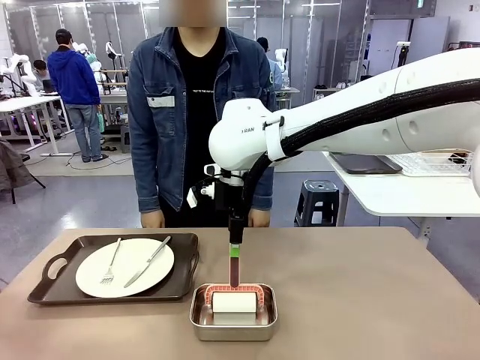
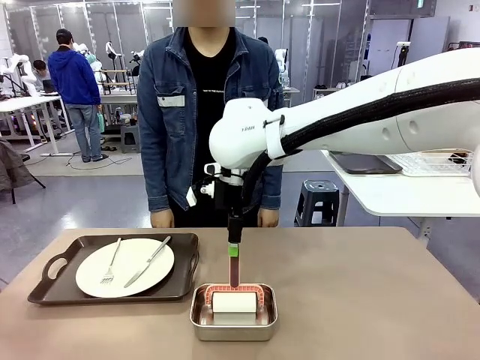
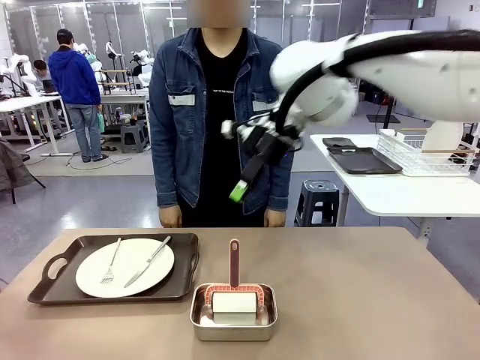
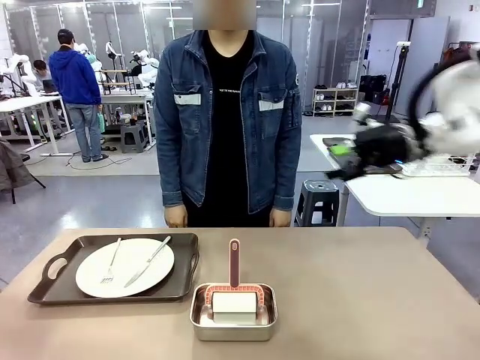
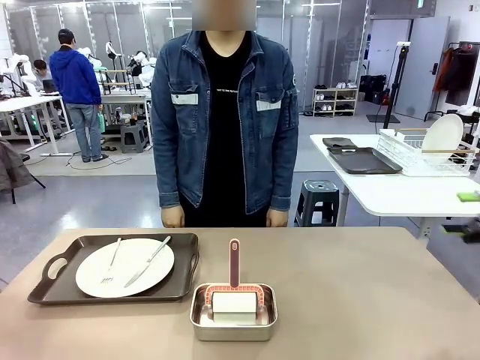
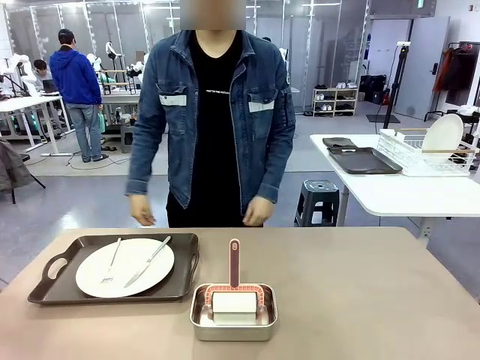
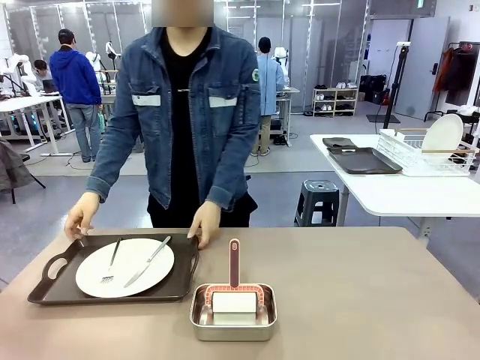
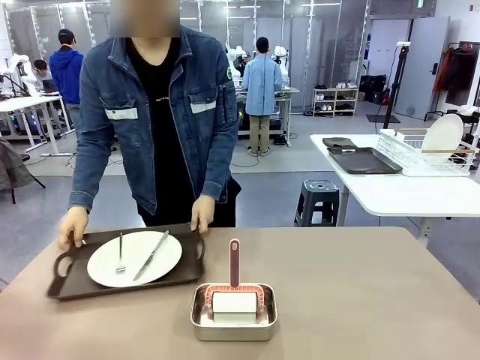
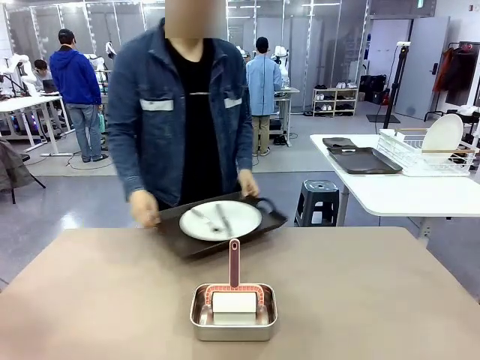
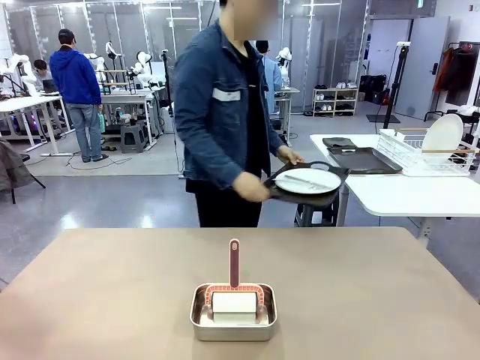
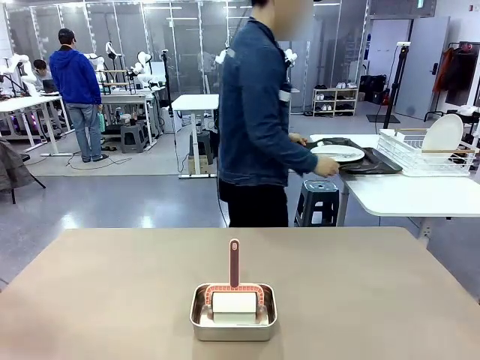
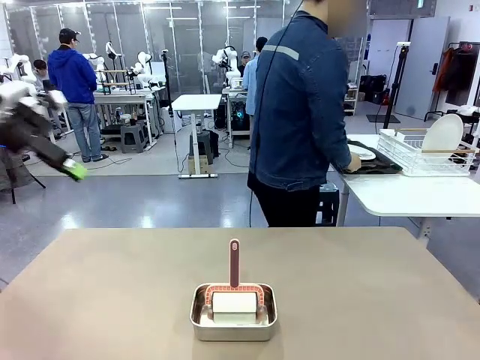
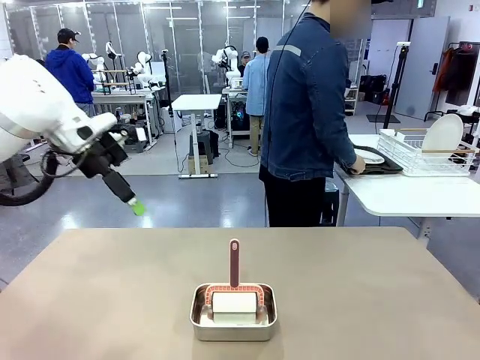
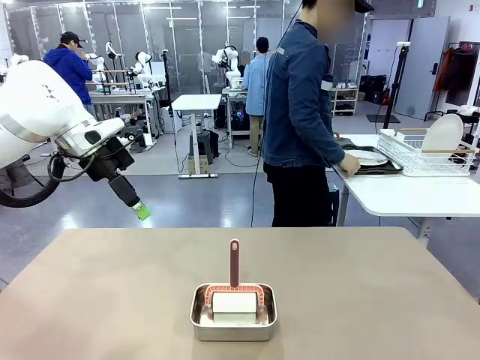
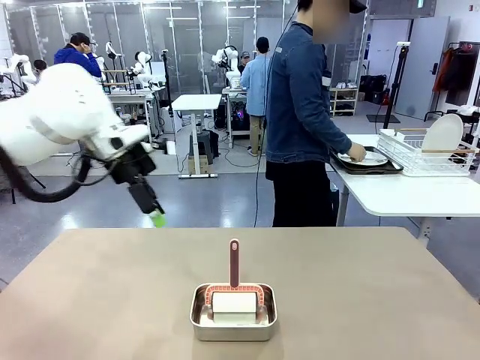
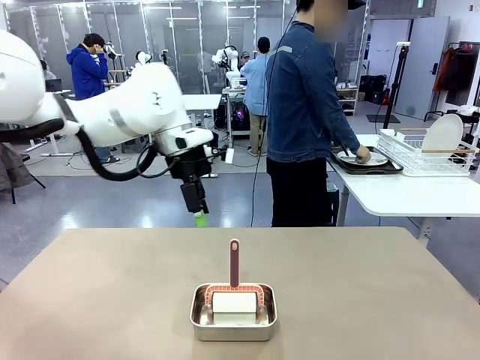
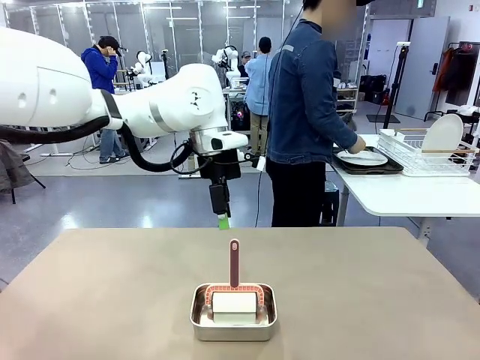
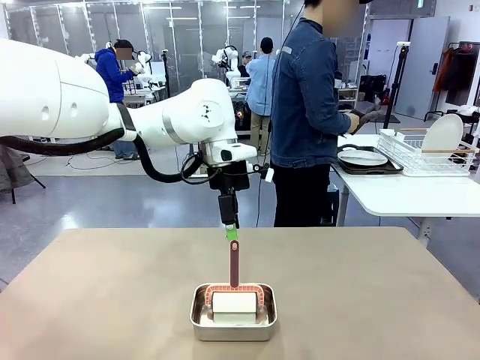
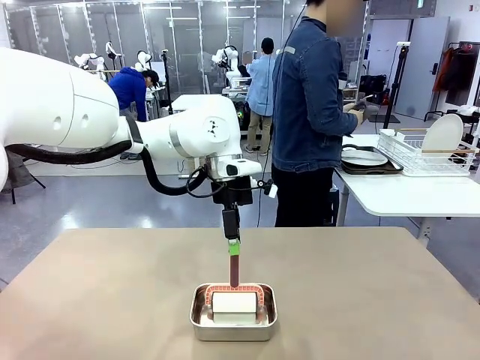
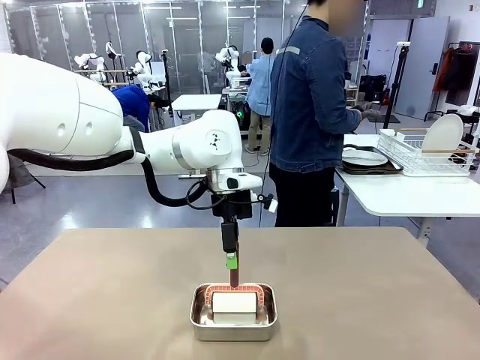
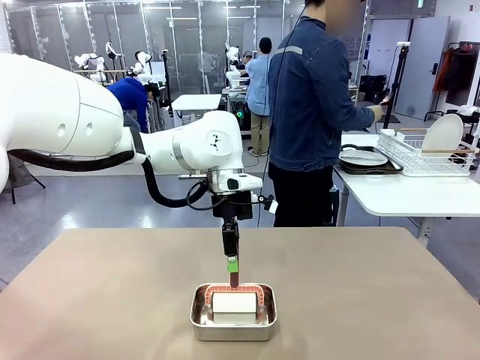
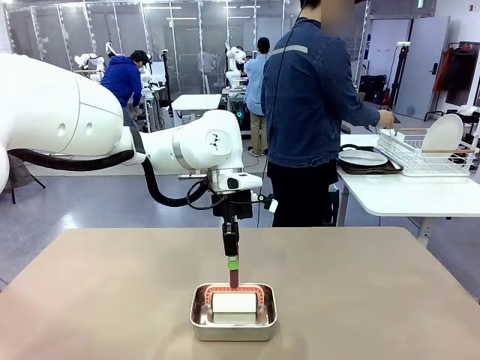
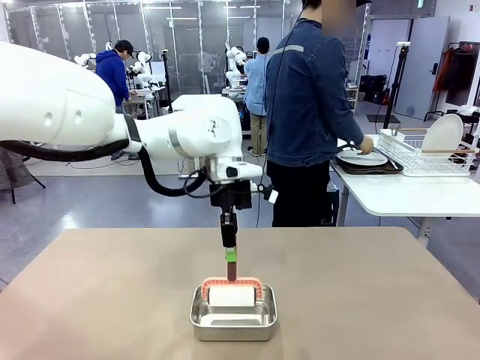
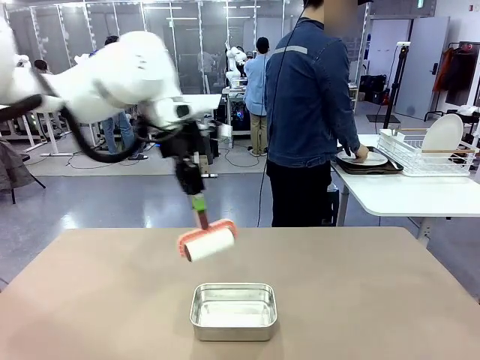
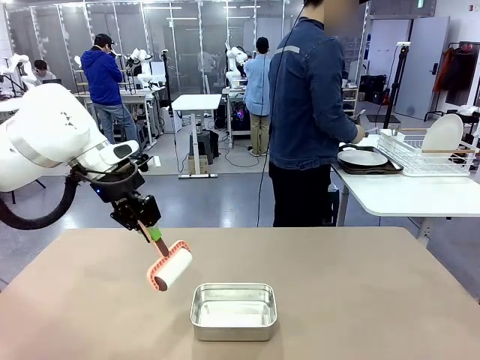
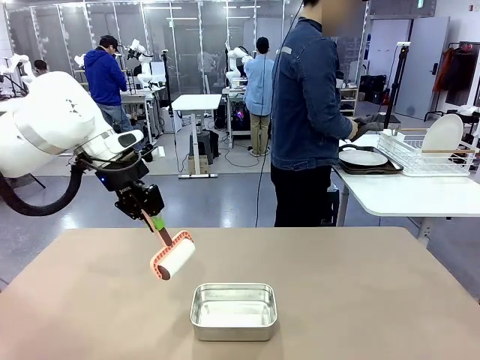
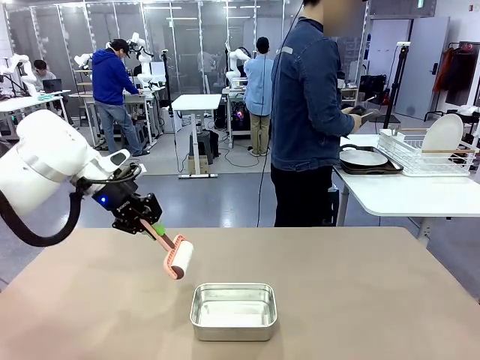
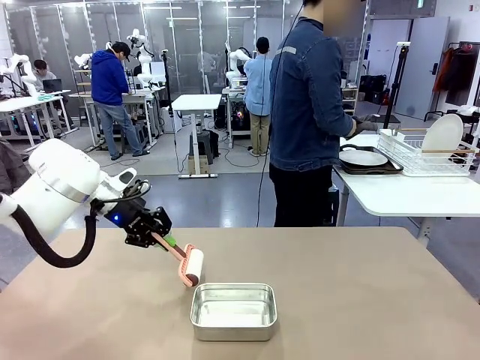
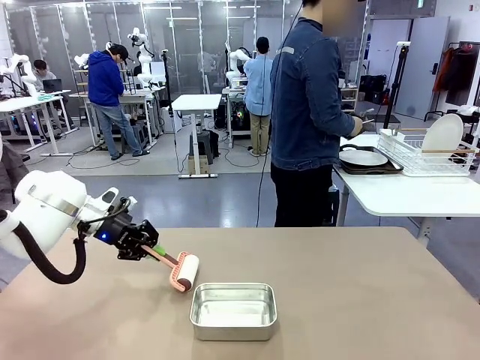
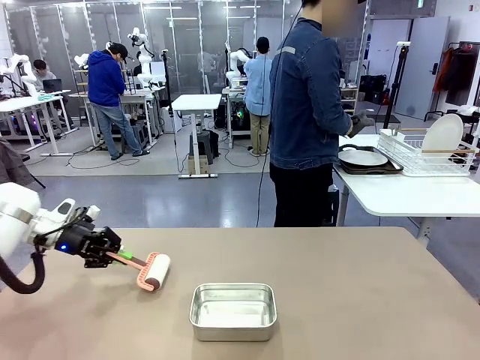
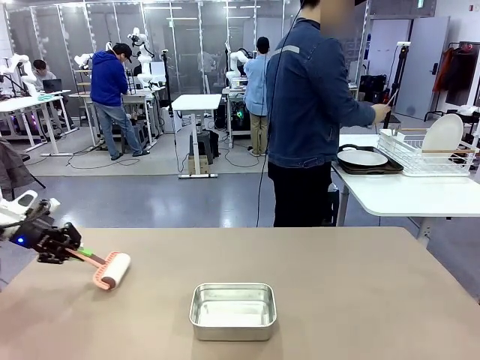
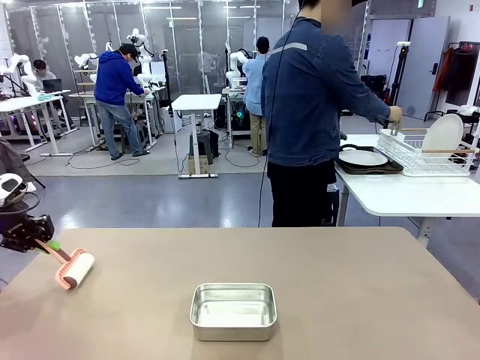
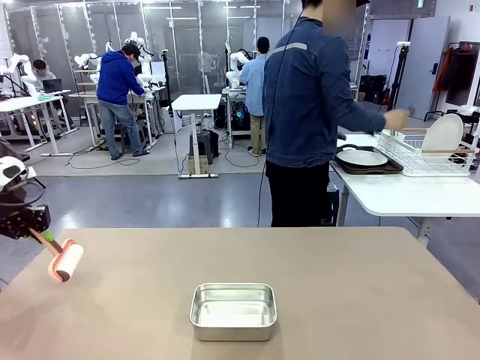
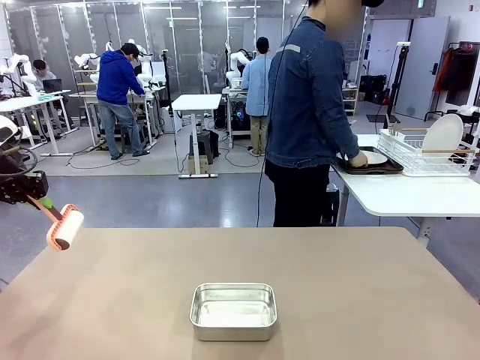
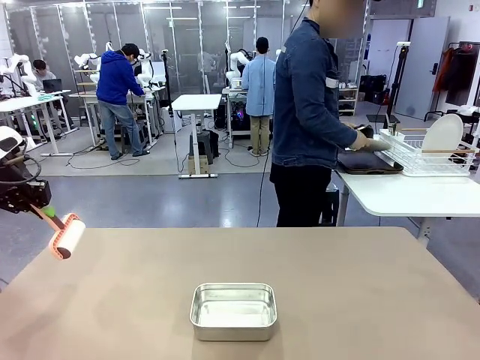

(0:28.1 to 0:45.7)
Robot: When the right (or left) Handle tray is removed, use the right hand (or left hand) to clean the right (or left) side of the table with the Lint Roller.
Person: Pick up the left (or right) Handle tray and place it on the Handle tray.

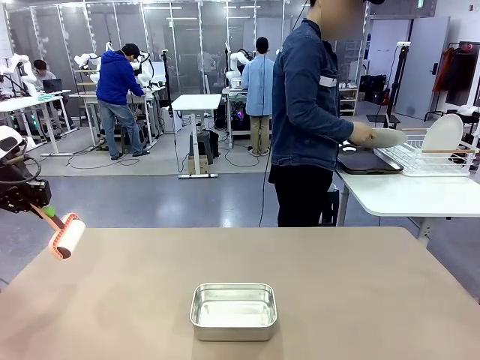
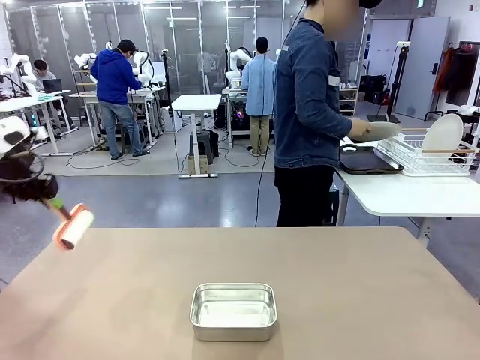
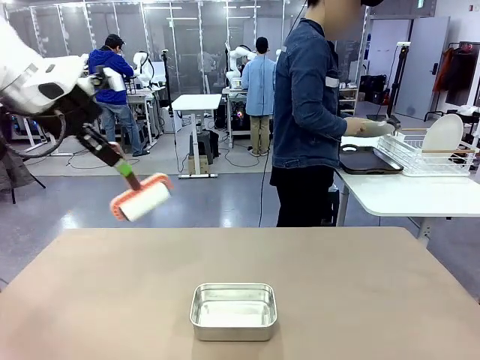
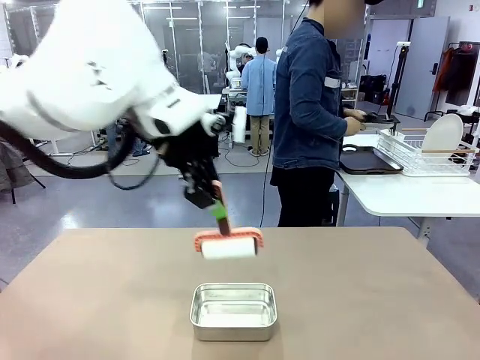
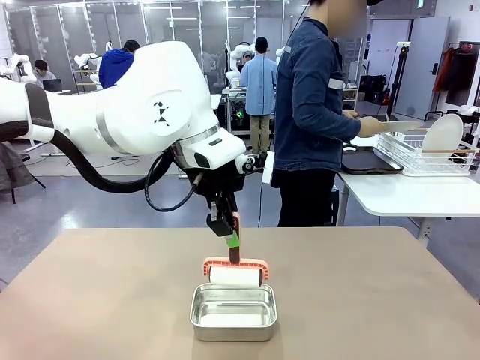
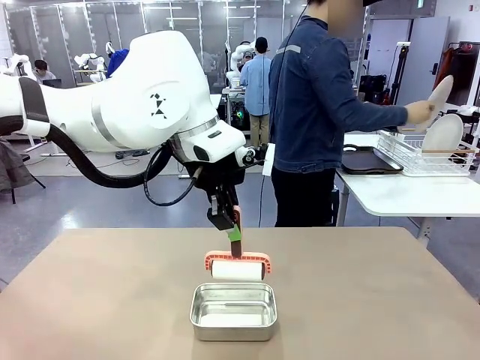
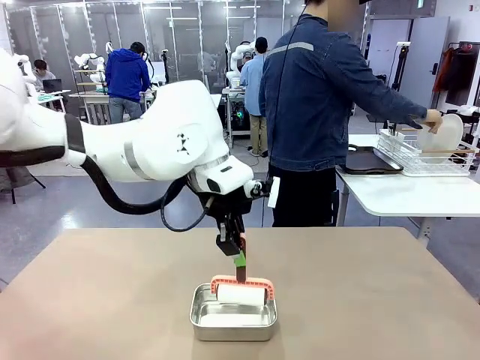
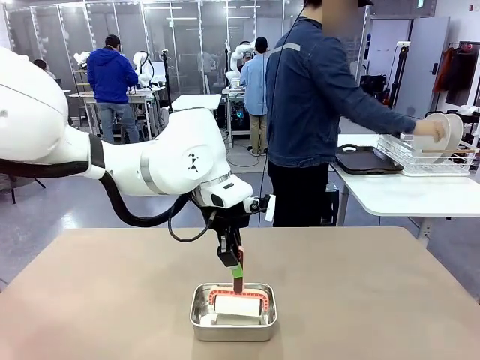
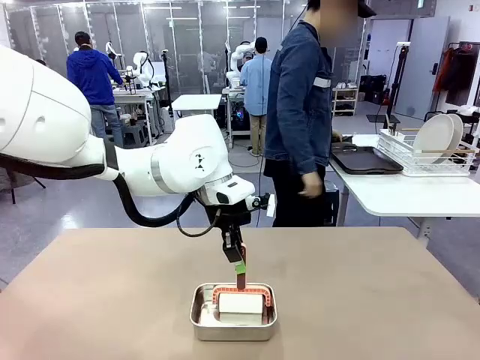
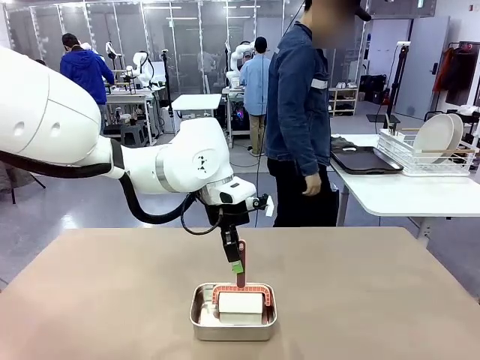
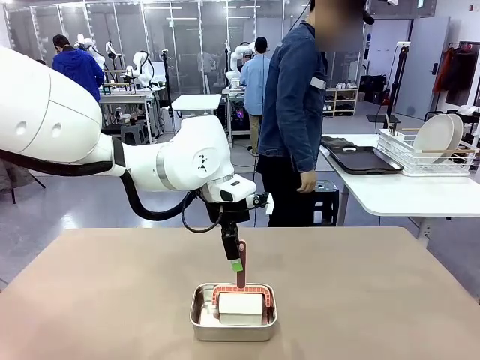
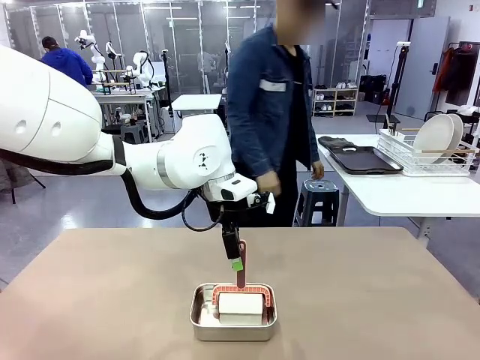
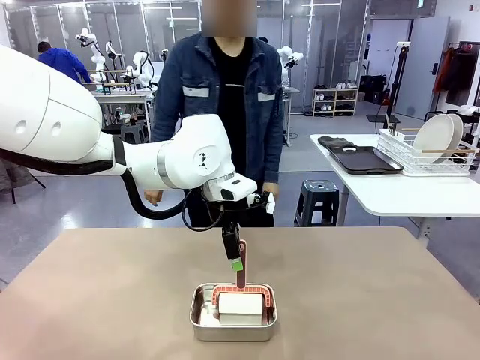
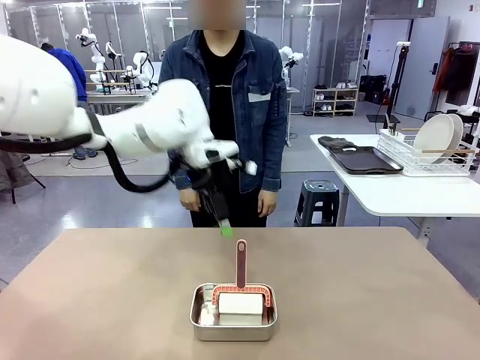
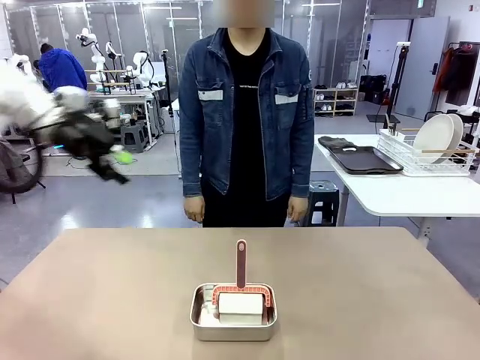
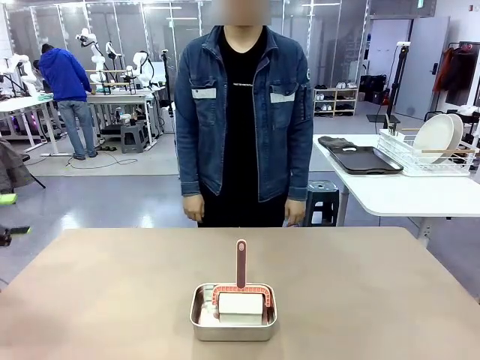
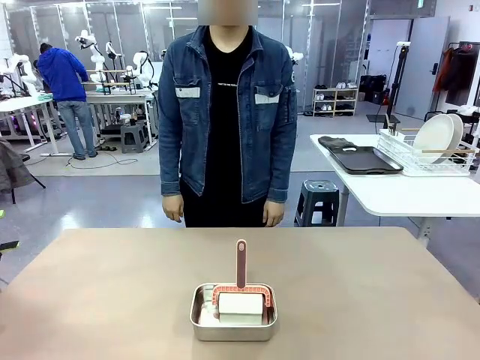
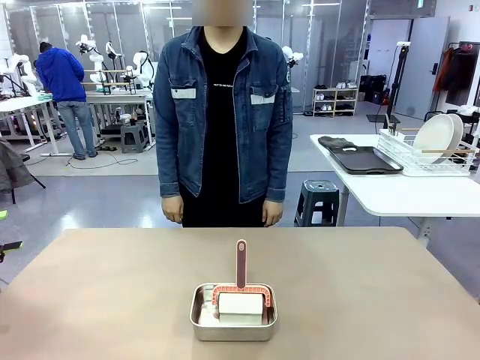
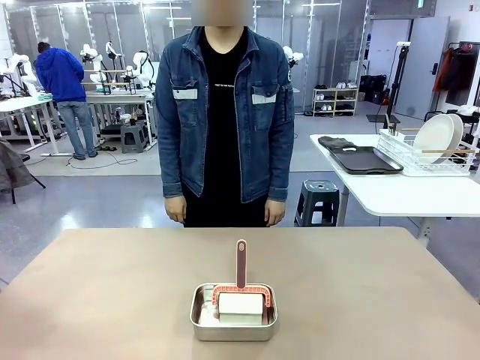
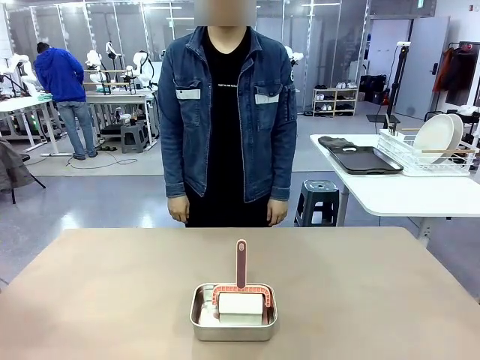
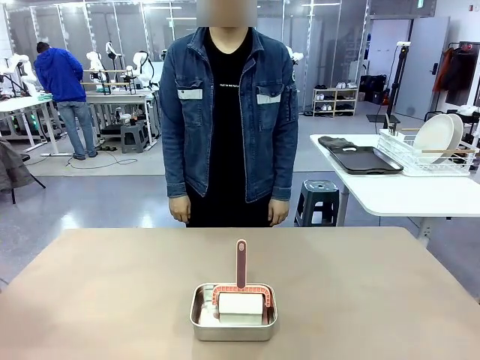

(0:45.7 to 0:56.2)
Robot: Place the Lint Roller back on top of the Airtight Container.
Person: Use the Towel with hook to wipe the Plastic Matte Plate , Fork , and Knife and place into the Dish drying rack.
